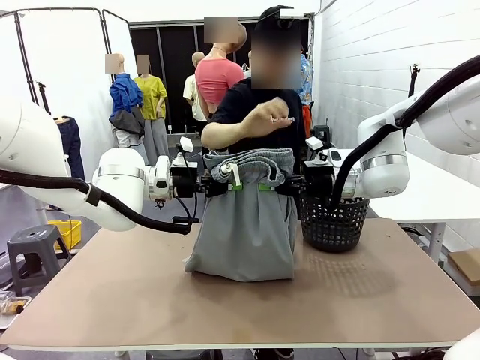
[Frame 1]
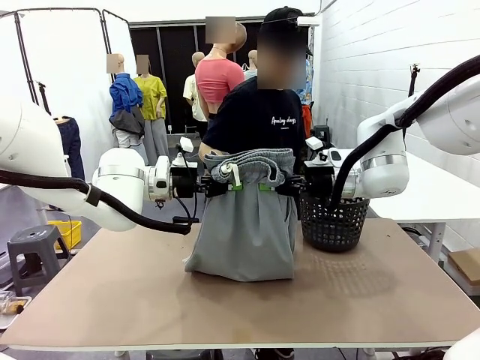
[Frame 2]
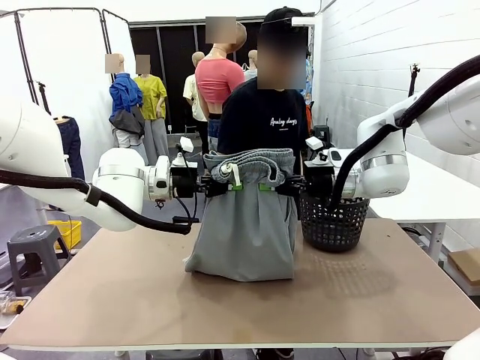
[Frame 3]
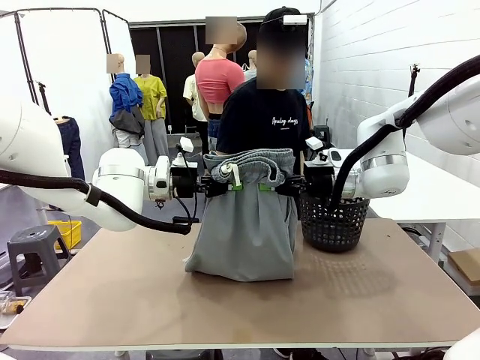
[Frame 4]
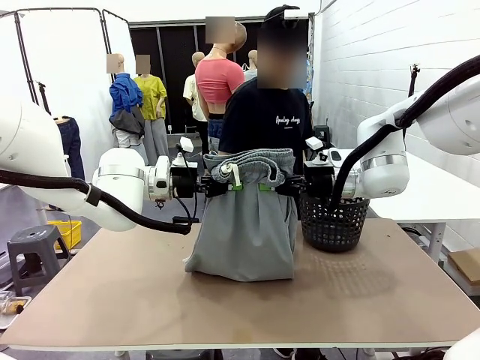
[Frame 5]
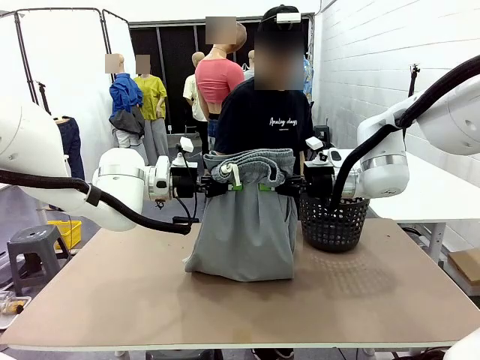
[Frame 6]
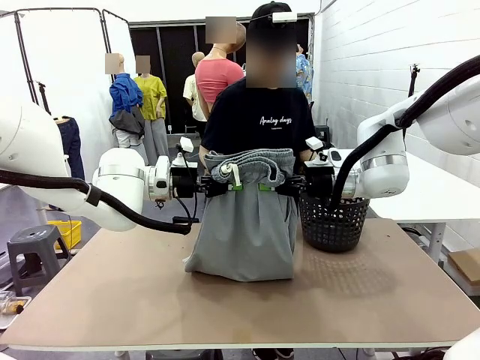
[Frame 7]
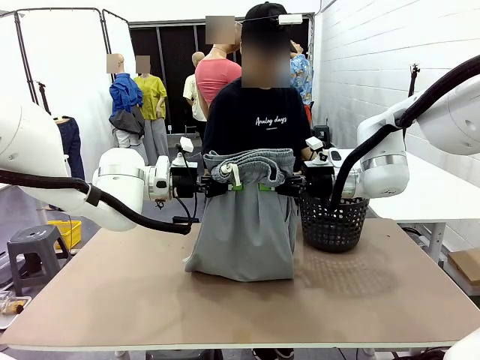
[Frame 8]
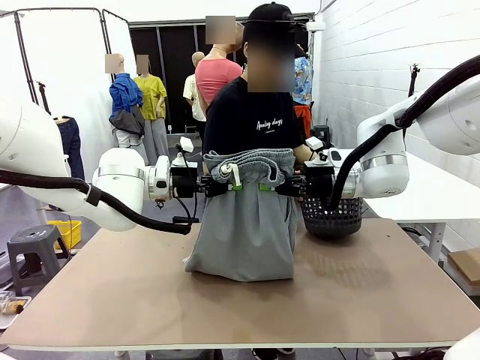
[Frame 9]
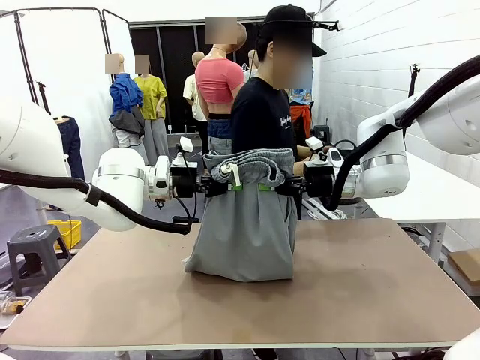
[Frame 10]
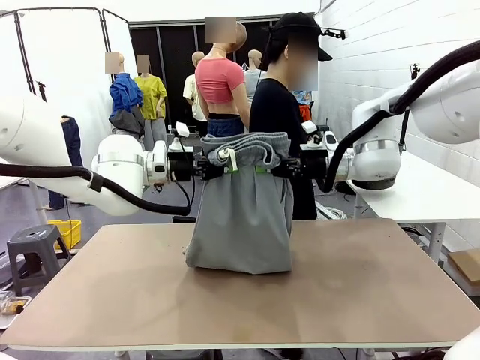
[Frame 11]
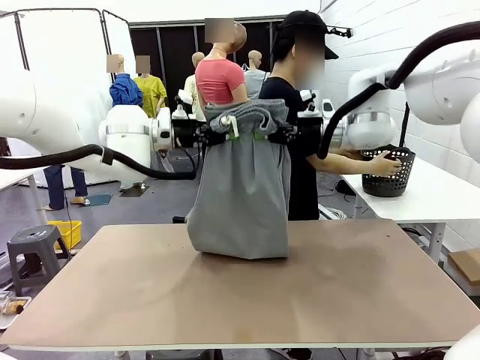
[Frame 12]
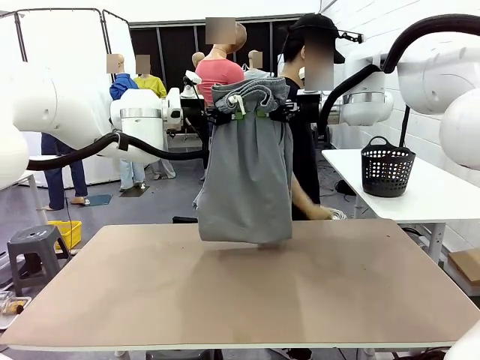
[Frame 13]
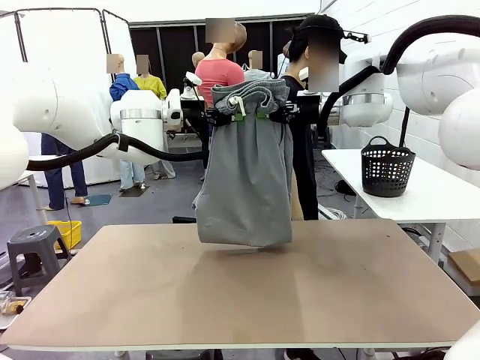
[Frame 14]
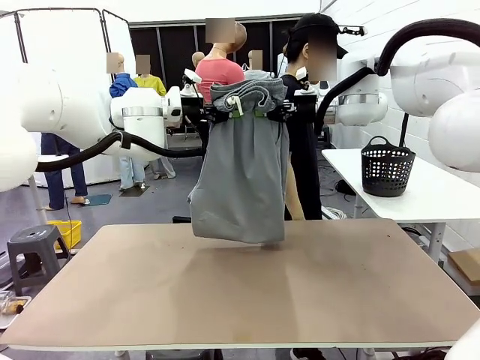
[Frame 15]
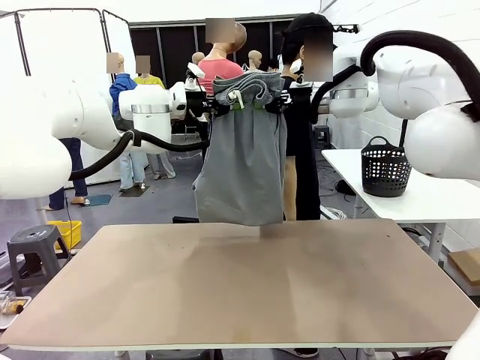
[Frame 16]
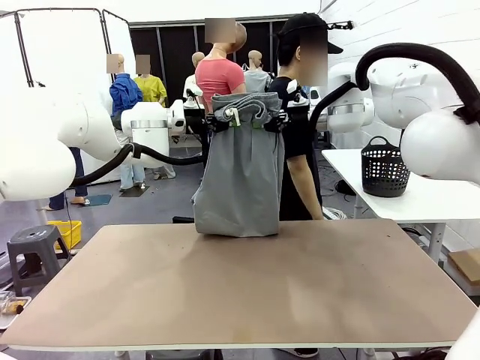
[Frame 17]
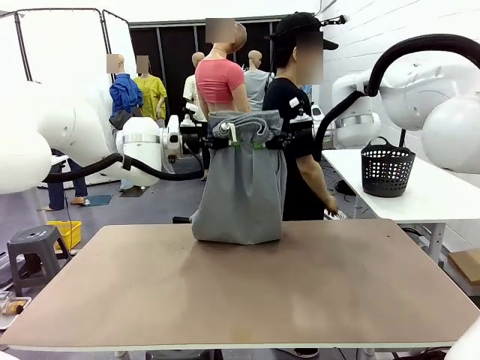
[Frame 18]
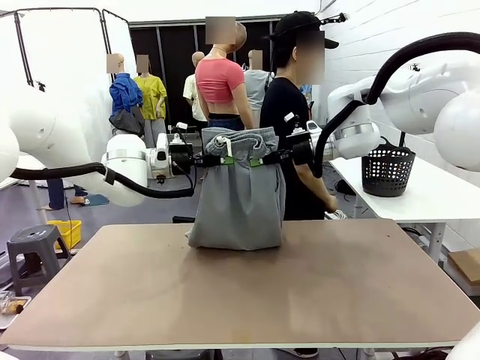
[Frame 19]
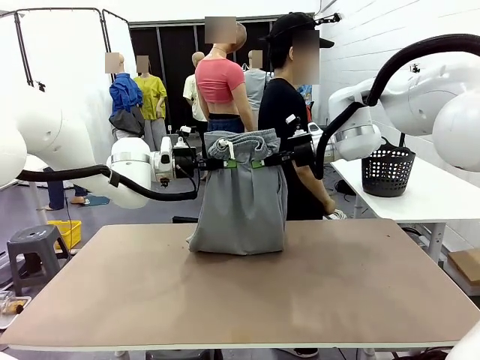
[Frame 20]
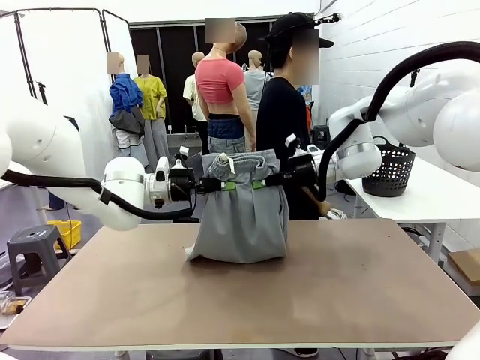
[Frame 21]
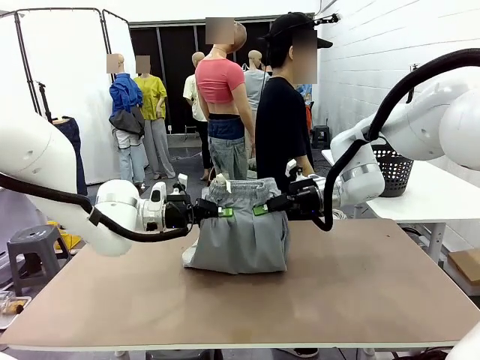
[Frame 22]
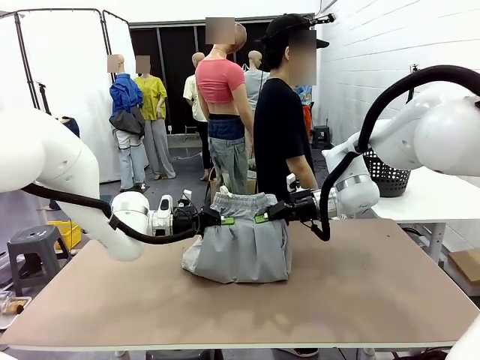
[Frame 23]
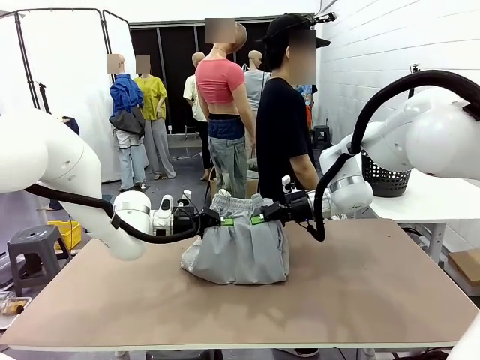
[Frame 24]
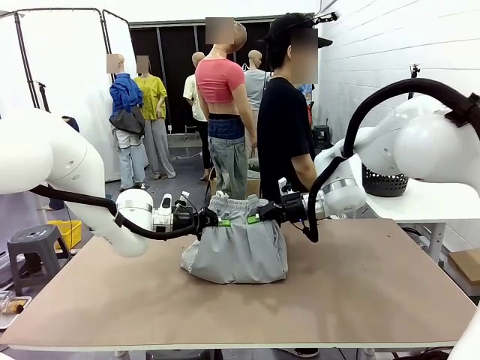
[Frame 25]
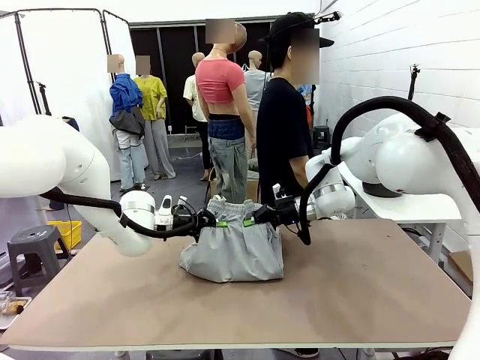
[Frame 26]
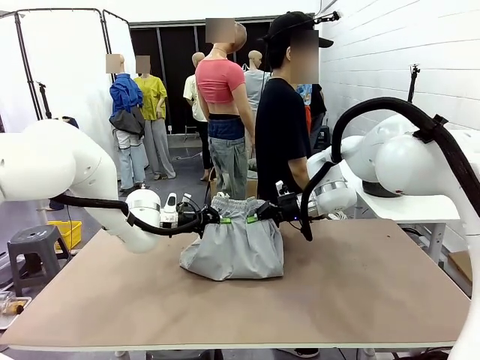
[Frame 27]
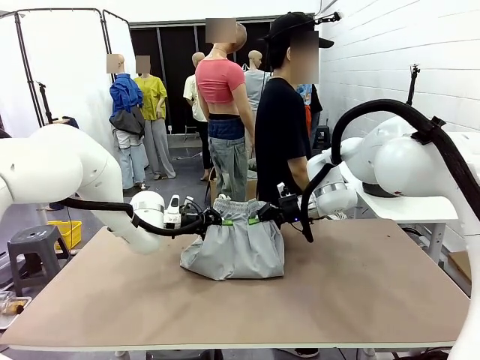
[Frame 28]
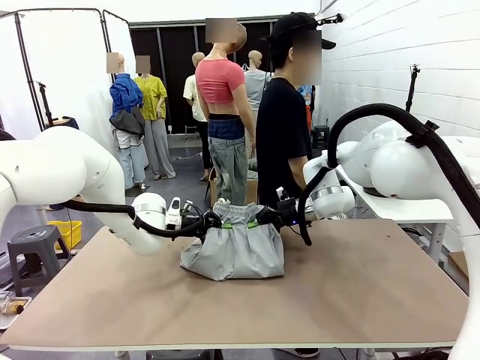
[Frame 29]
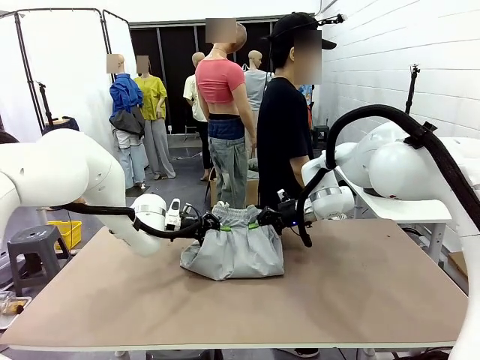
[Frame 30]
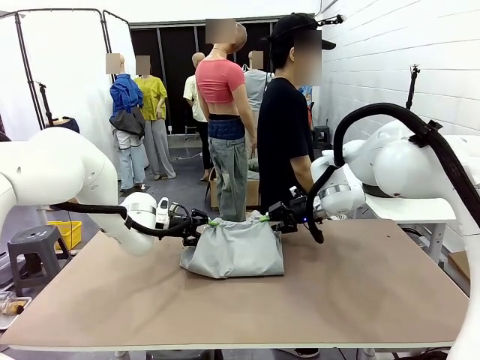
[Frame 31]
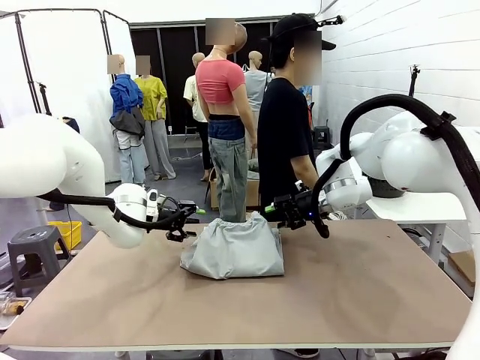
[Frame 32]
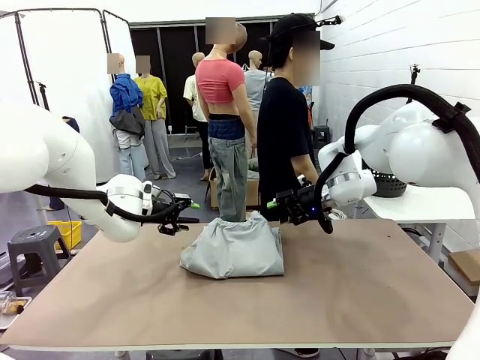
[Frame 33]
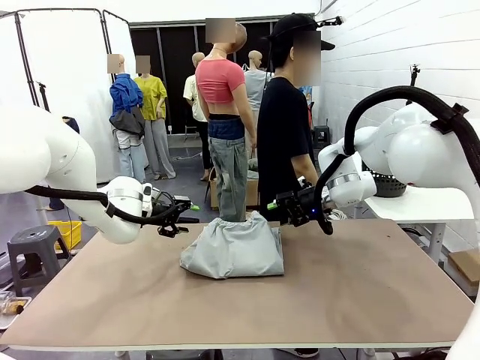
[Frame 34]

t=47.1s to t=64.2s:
Task: Fold the training pants.
Robot: Fold the Training pants in half.
Person: Move the laundry basket to the right of the human table.

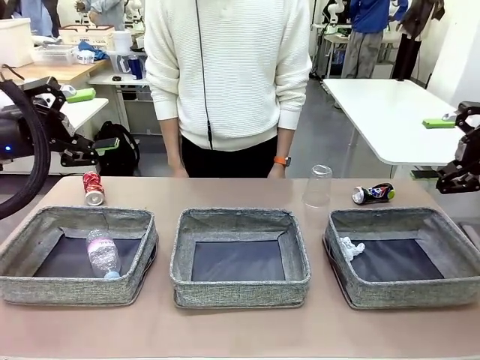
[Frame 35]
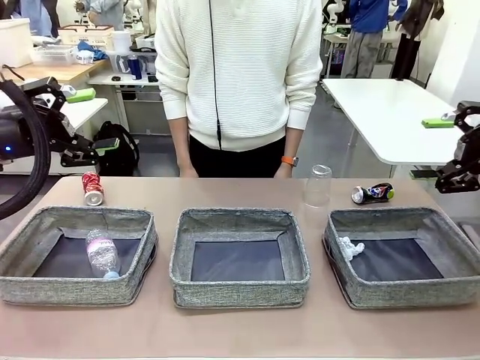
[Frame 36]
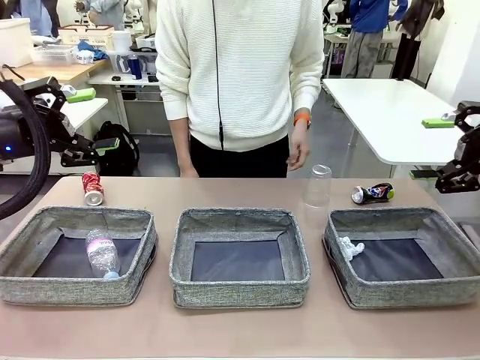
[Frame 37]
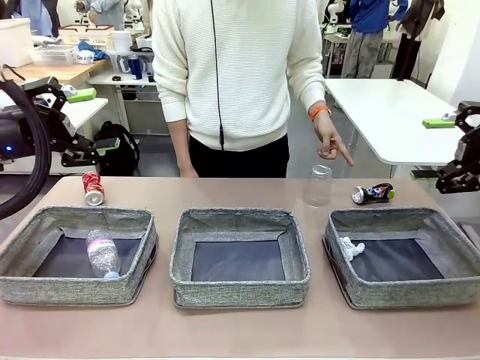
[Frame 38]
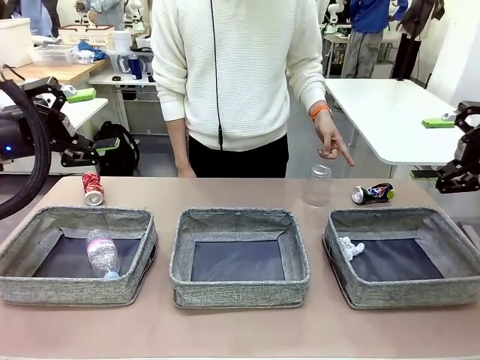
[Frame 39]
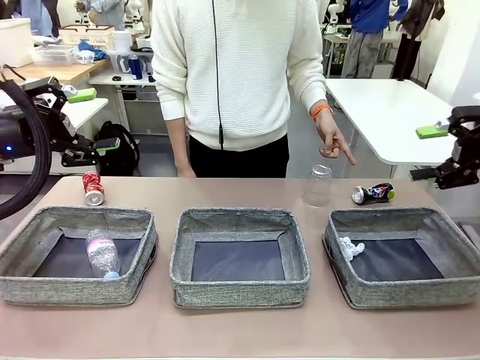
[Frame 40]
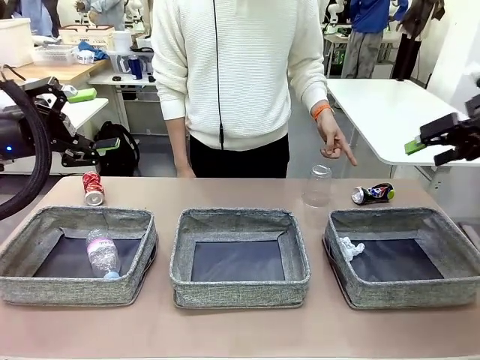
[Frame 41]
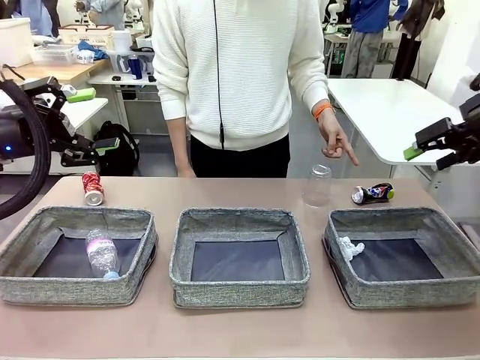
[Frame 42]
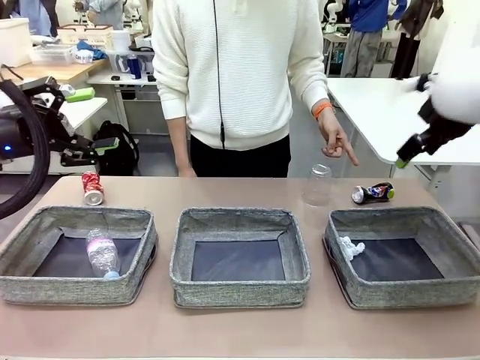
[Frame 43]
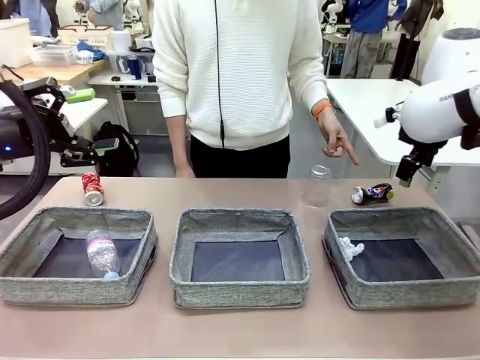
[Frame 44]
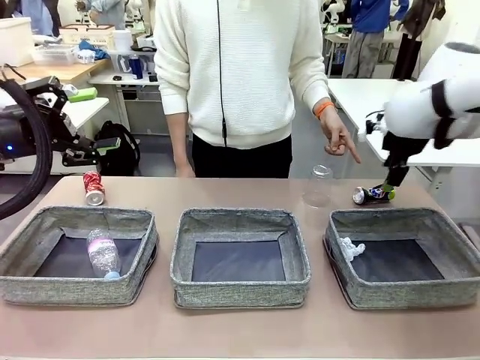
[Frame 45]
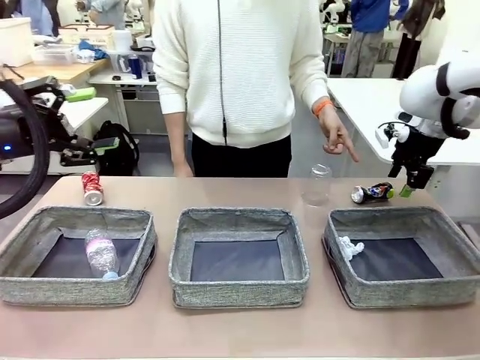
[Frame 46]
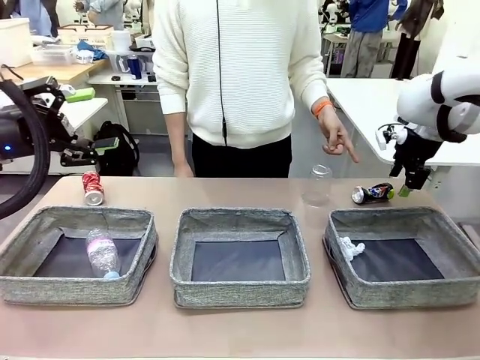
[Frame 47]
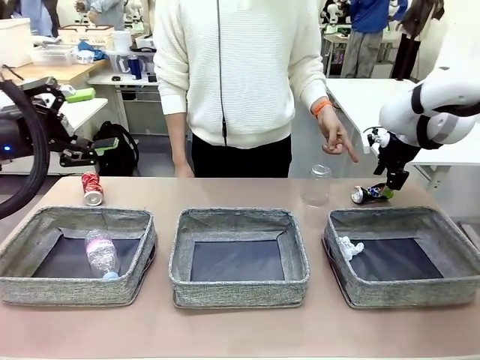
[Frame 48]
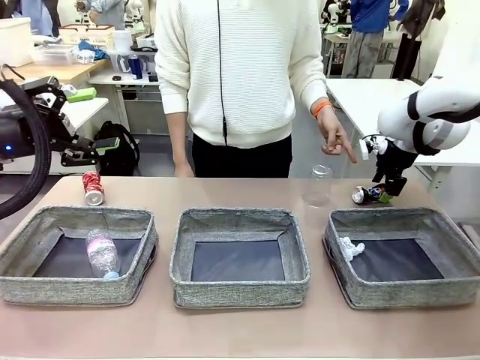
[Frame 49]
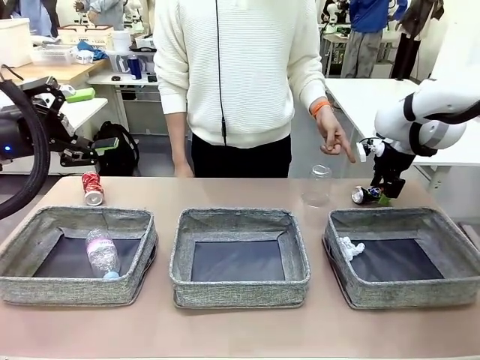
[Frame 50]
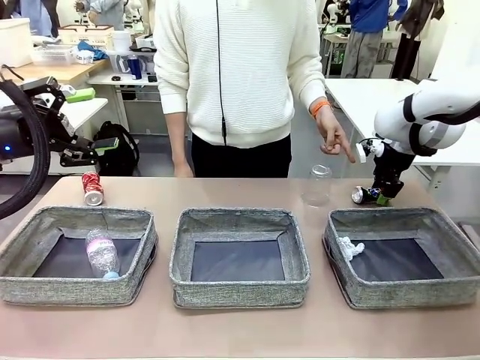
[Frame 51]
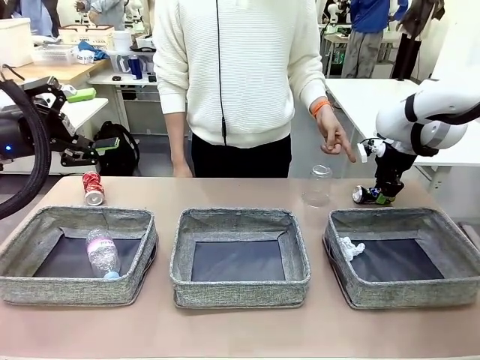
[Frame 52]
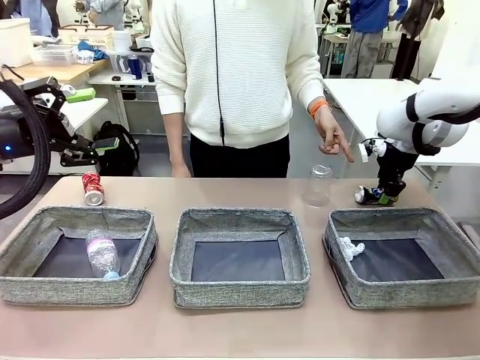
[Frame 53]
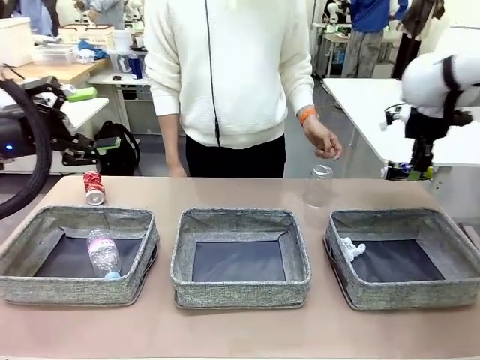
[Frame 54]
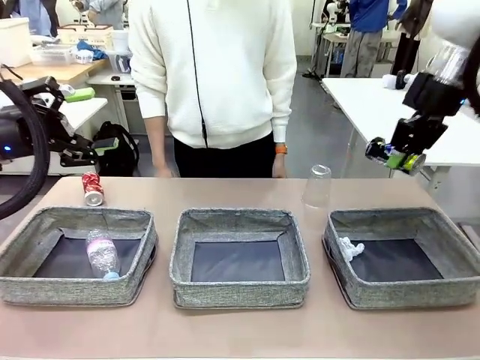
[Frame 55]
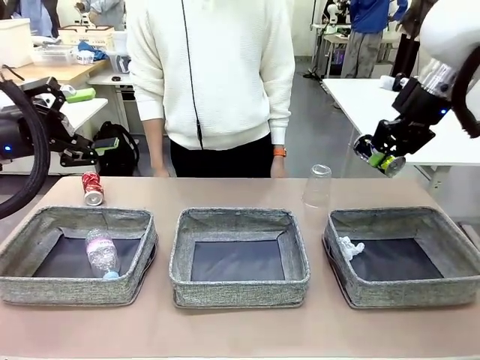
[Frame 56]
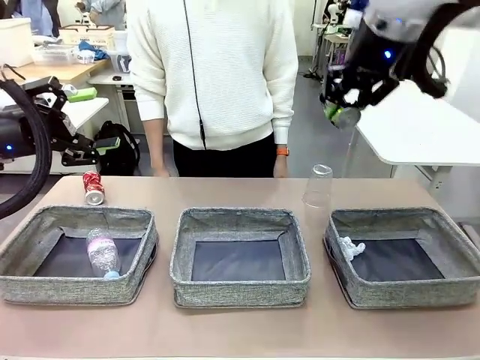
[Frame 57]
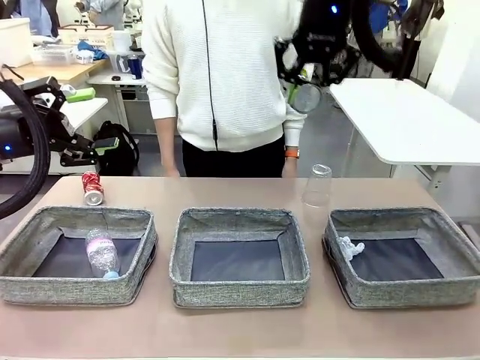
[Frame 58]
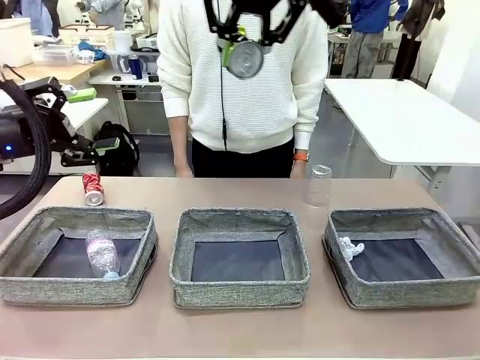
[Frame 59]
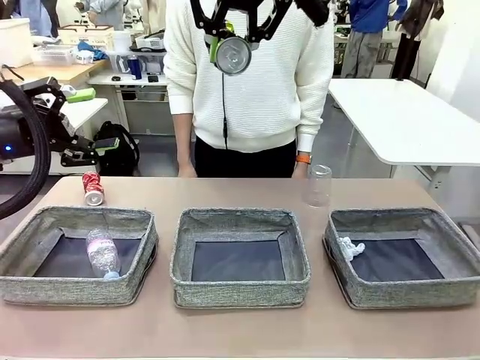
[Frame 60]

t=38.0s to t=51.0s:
Task: Sort the waste into the appropriate baskets.
Robot: Pick up the waste item pointed out by the person.
Person: Points to one piece of trash on the table.
